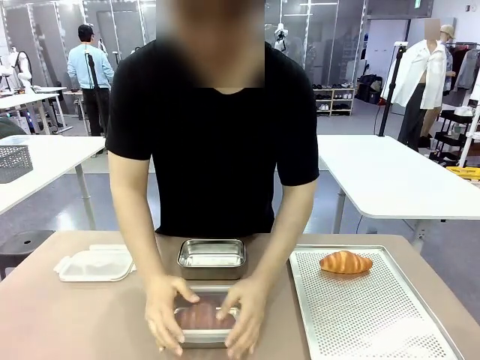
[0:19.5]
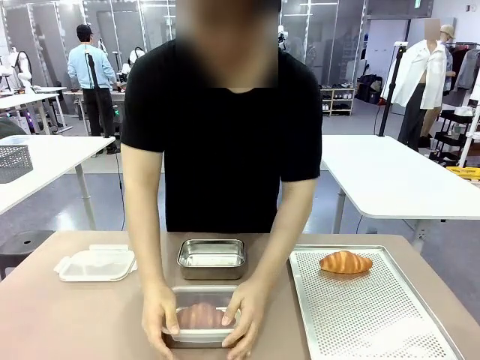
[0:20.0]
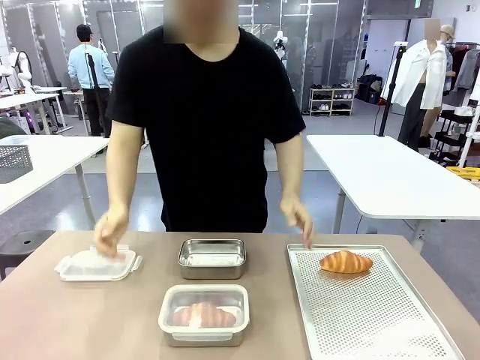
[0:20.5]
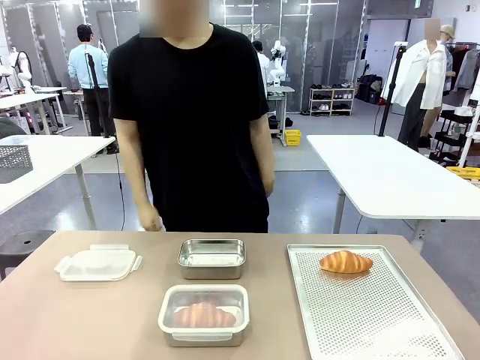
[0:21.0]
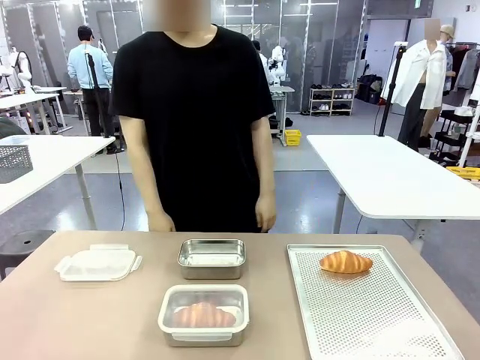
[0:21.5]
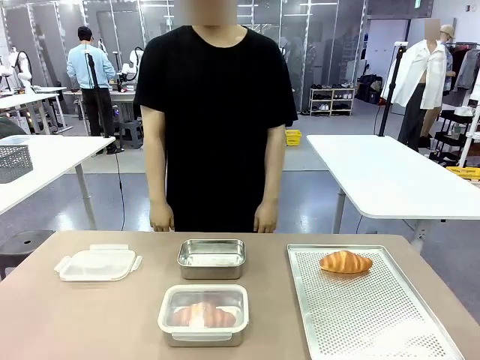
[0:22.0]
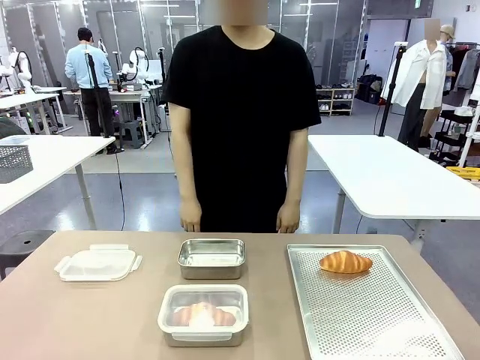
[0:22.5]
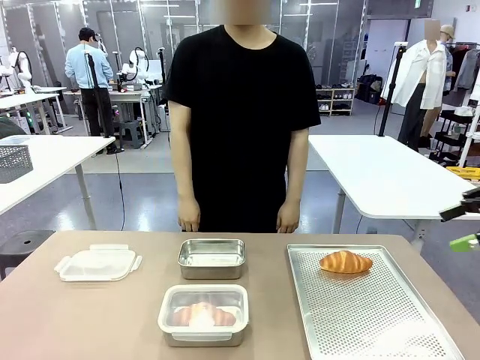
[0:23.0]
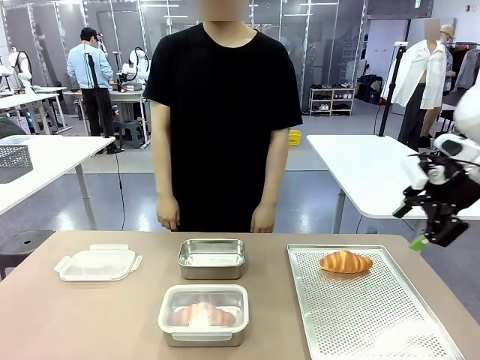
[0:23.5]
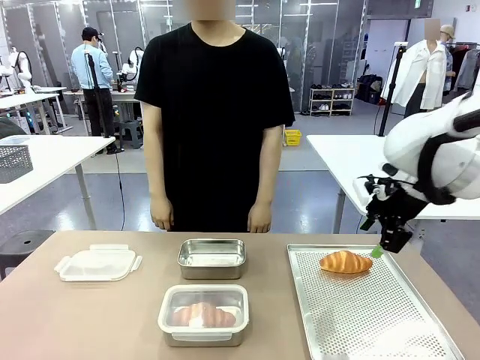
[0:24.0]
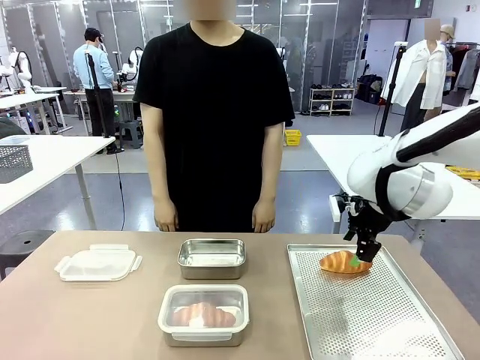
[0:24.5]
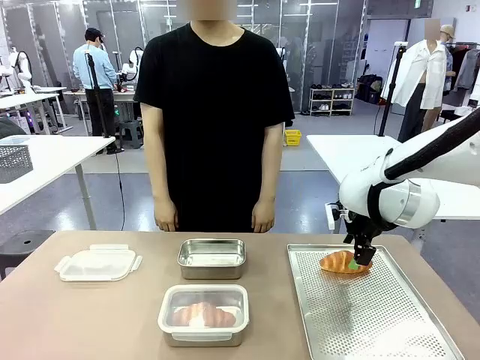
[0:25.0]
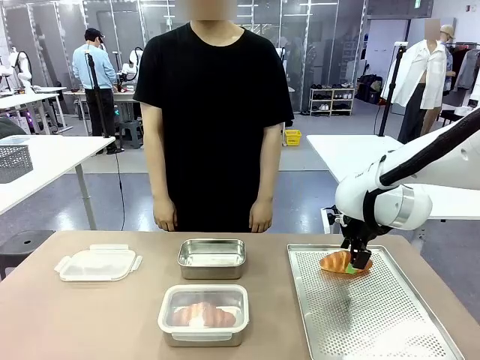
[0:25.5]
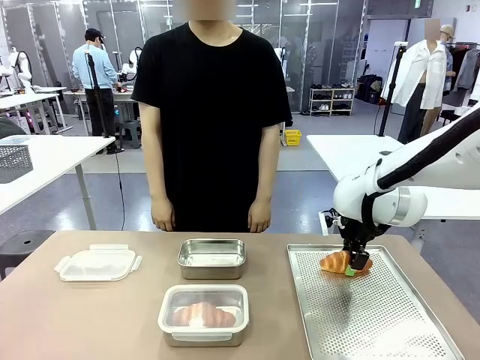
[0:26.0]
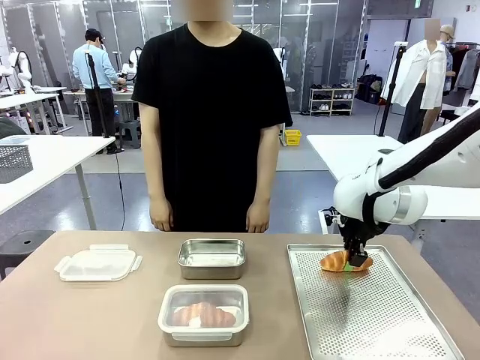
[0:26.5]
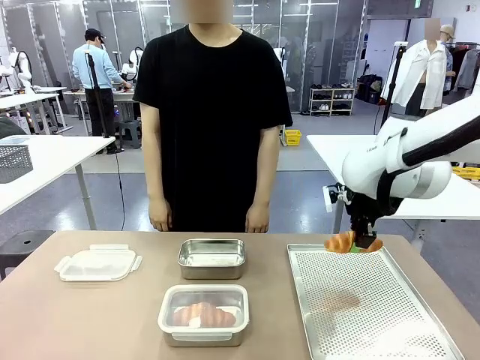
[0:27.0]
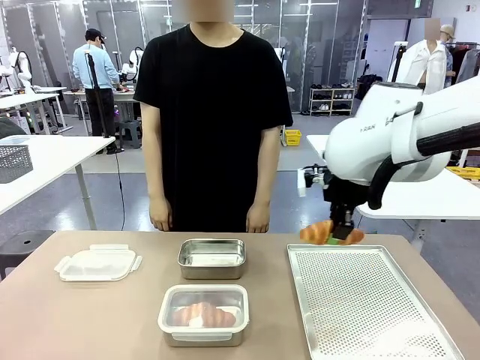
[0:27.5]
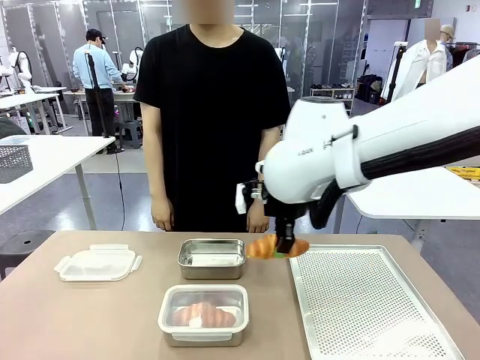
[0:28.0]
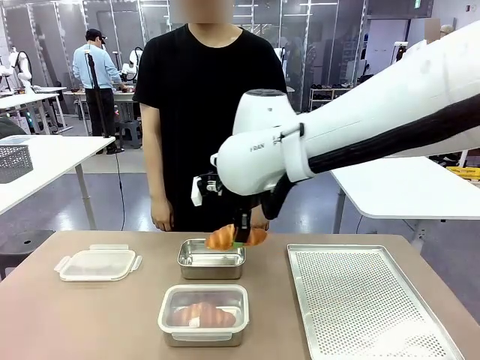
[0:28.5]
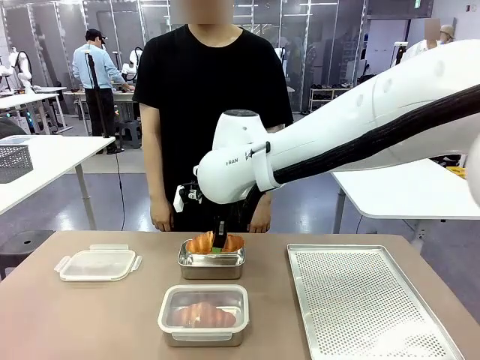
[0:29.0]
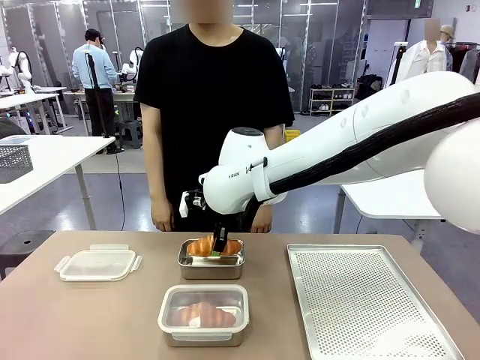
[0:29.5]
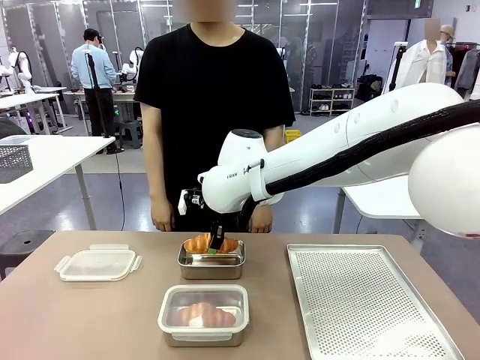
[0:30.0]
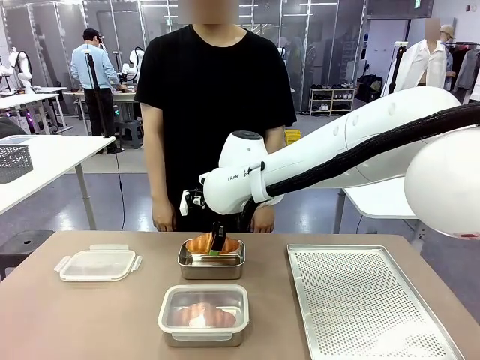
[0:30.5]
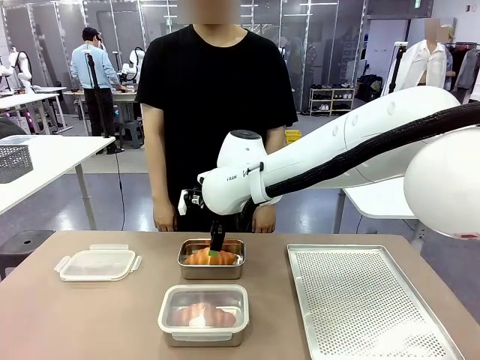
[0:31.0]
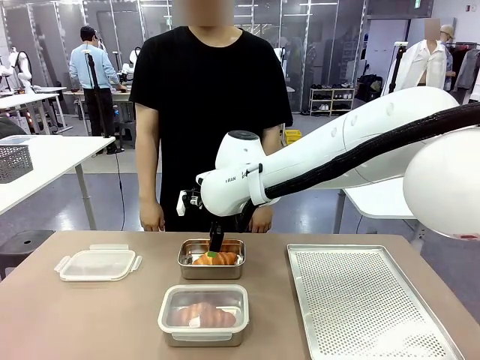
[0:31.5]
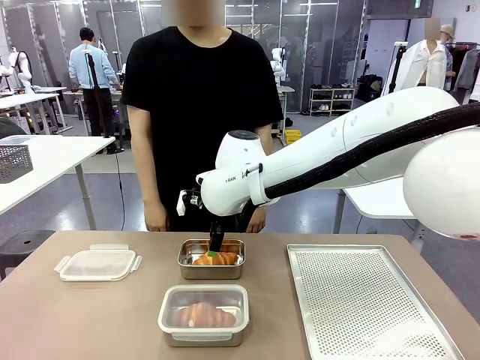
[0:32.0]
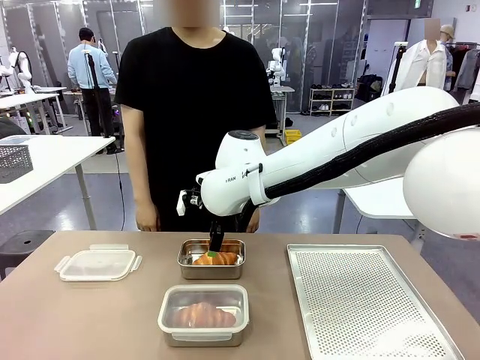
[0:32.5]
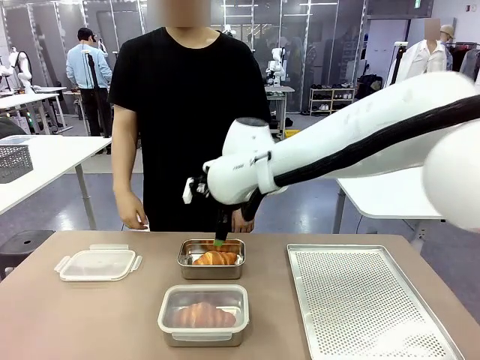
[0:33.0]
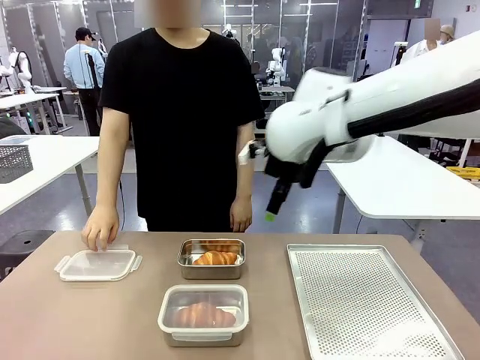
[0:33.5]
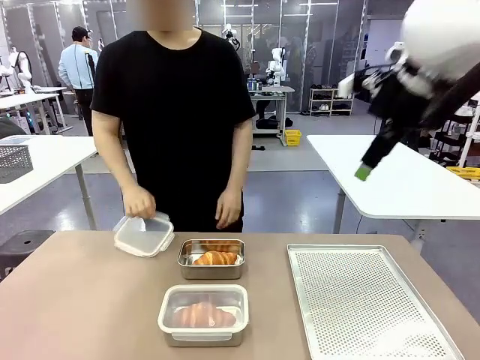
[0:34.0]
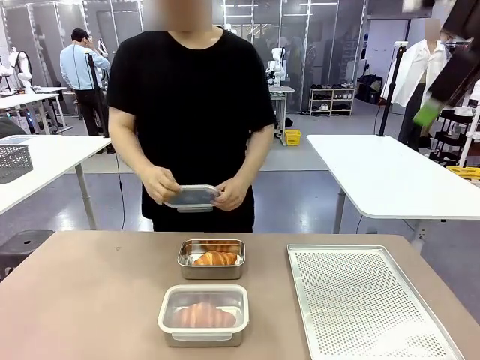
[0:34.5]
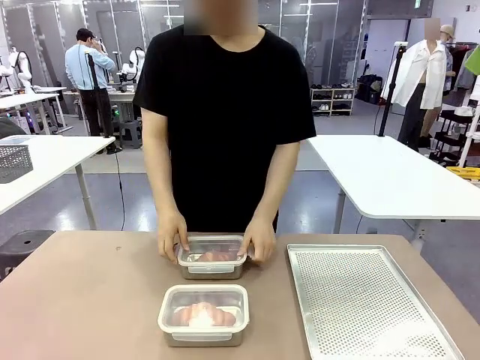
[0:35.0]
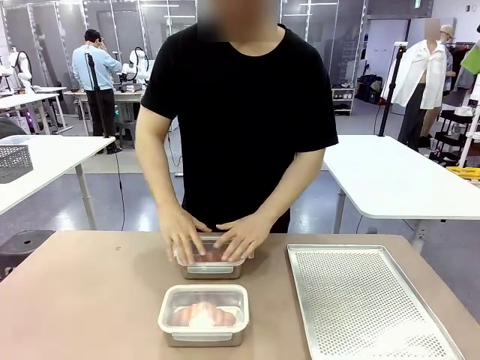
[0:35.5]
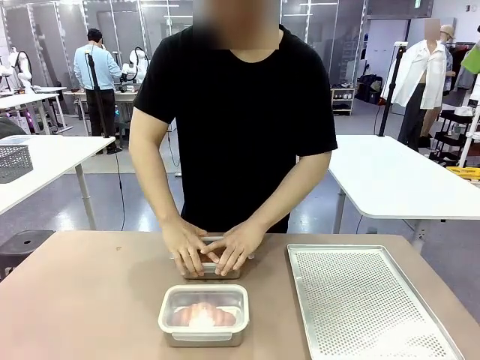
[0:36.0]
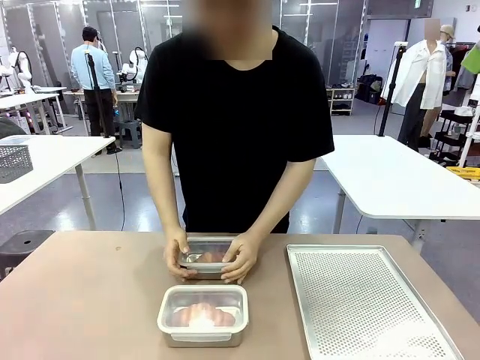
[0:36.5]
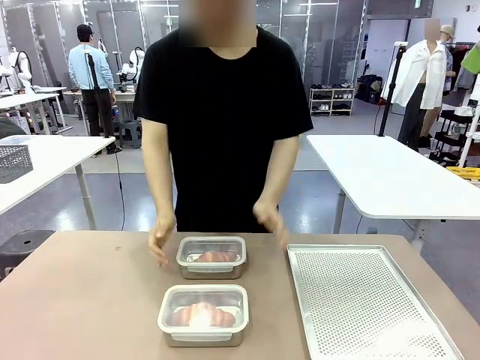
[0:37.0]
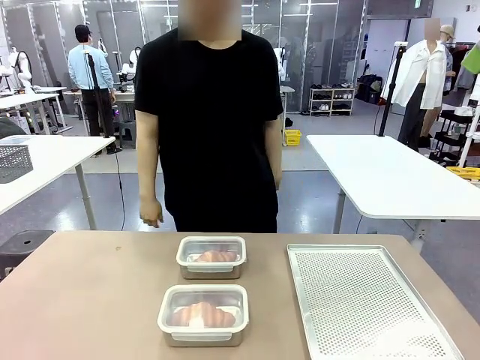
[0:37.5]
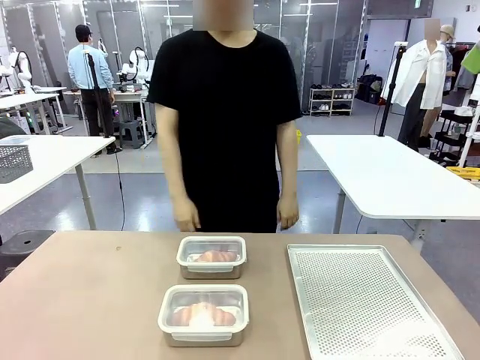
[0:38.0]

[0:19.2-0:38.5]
Task: Place the bread into the airtight container.
Robot: Pick up a Butter Roll and place it into an empty Airtight Container.
Person: Once a Butter Roll is inside an Airtight Container , close the lid of that Airtight Container.

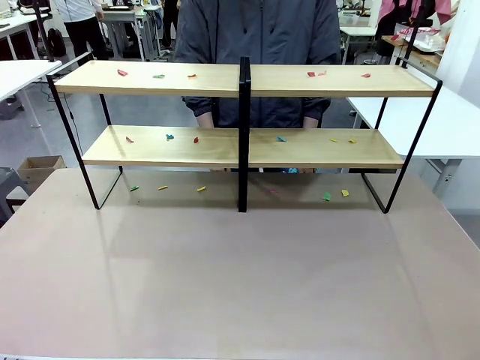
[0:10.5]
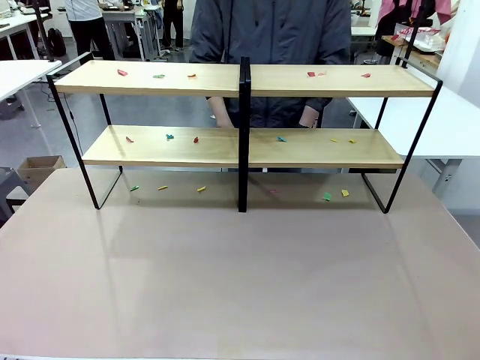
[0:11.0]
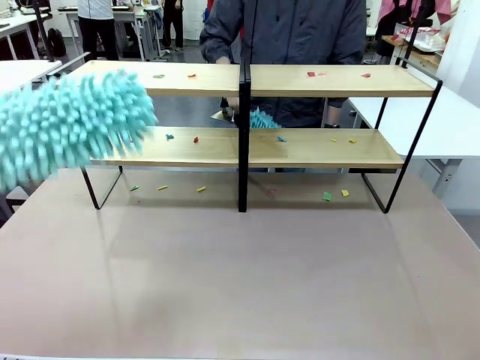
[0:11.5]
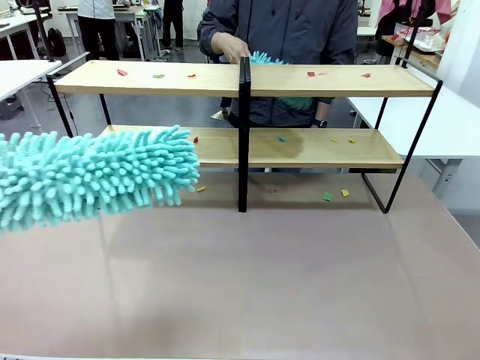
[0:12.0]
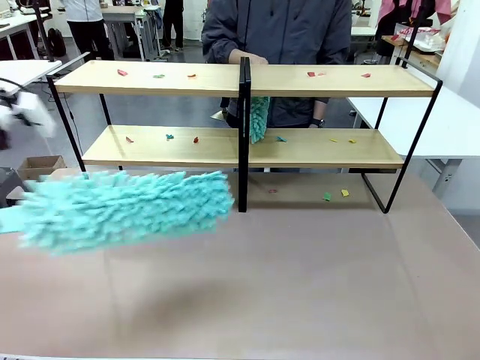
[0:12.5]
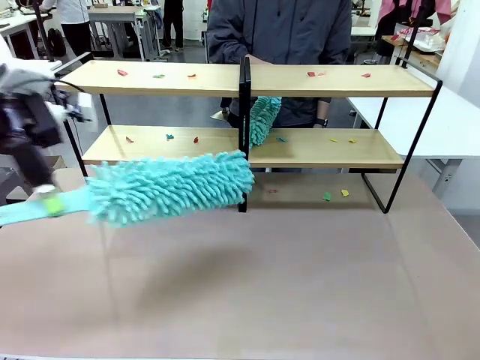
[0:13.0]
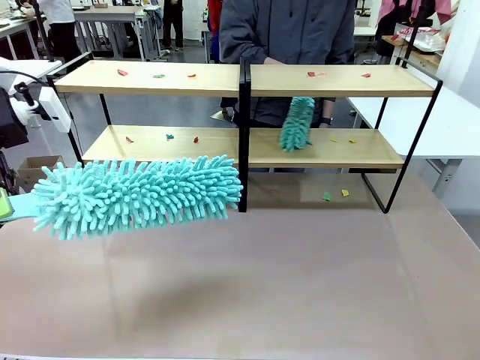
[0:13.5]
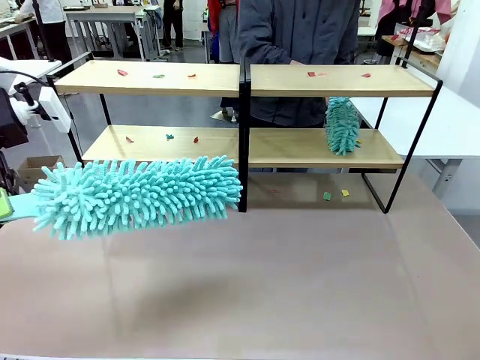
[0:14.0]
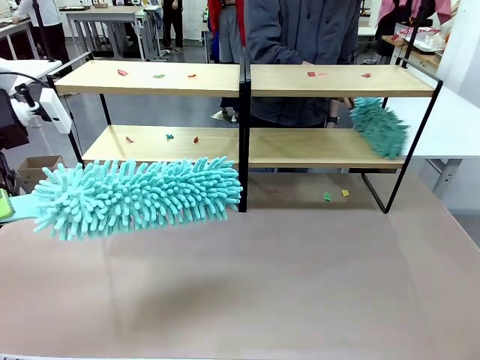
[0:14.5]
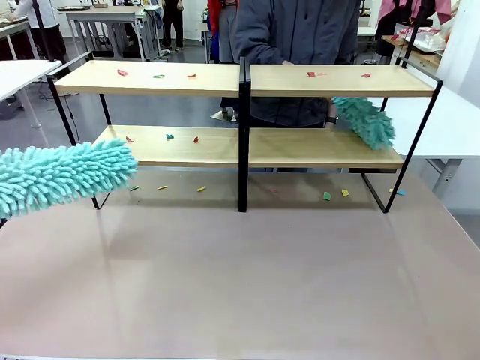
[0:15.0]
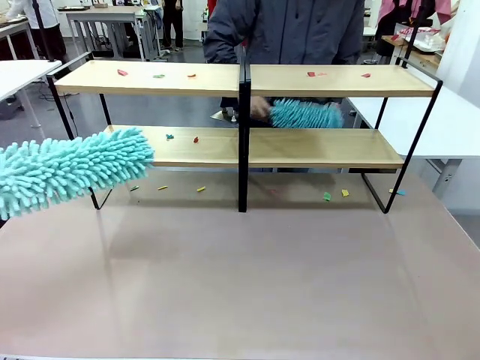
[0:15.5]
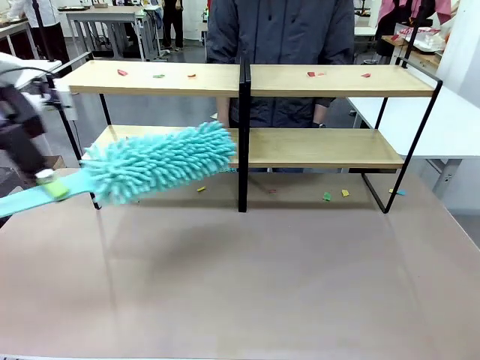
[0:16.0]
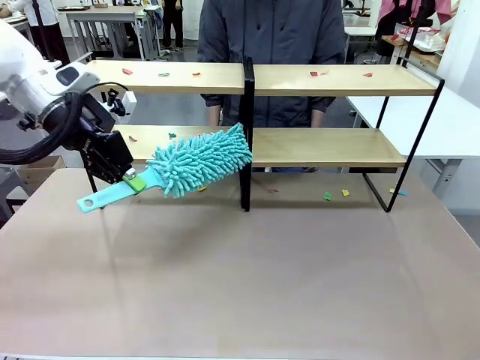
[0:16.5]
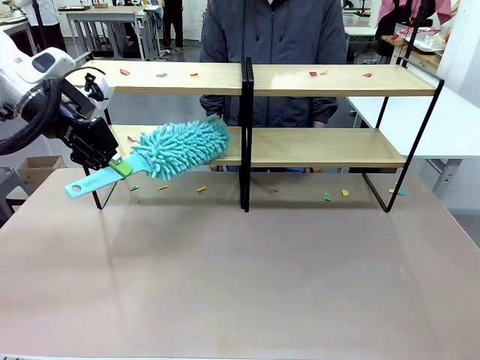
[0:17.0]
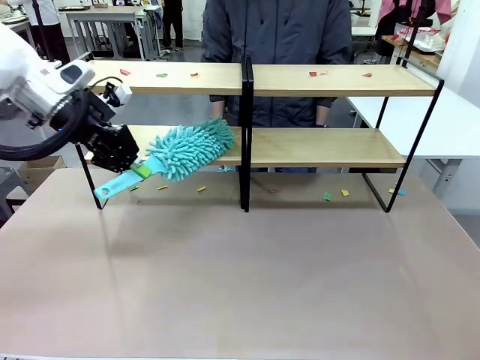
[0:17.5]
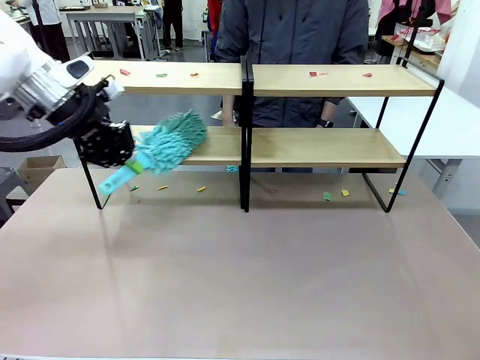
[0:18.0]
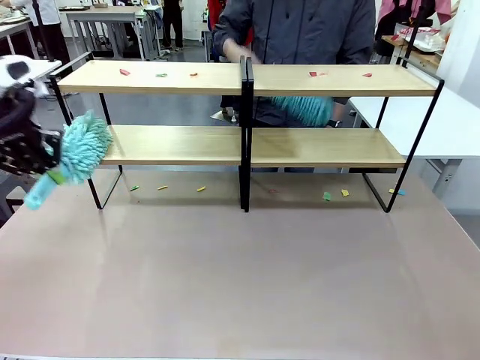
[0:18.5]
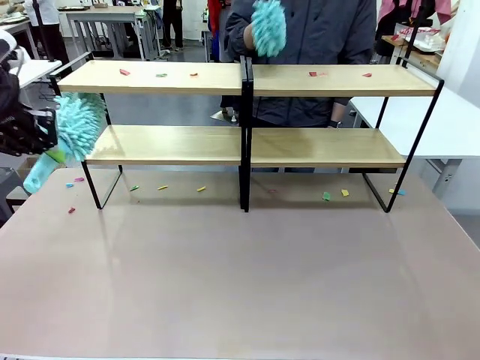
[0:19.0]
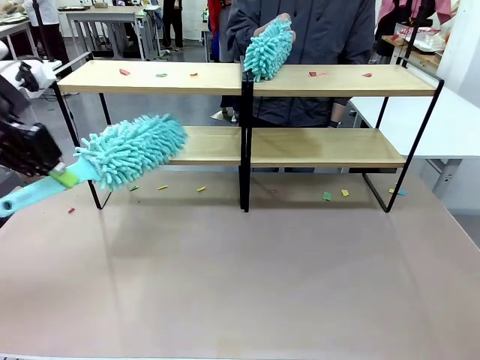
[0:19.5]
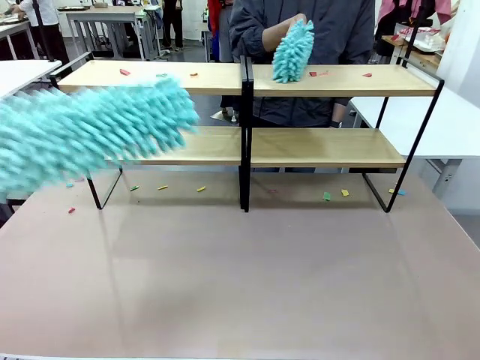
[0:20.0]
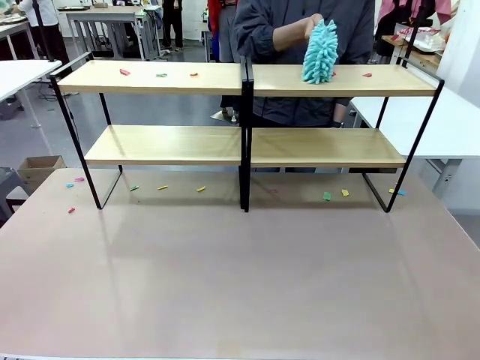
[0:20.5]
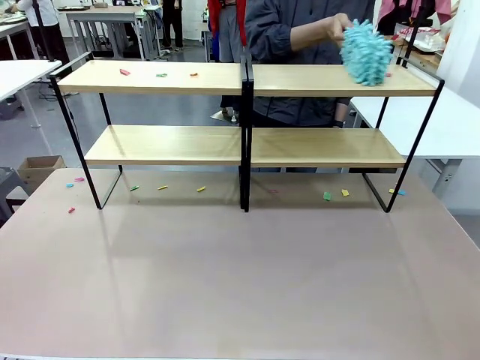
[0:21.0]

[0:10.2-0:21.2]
Task: Clean the shelves.
Robot: Clean a randomly selected level of the Shelf with the Duster.
